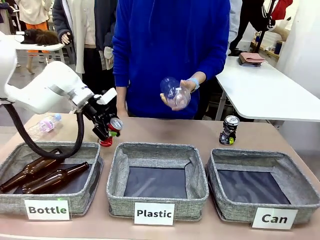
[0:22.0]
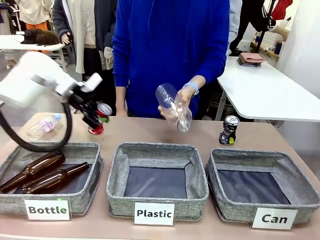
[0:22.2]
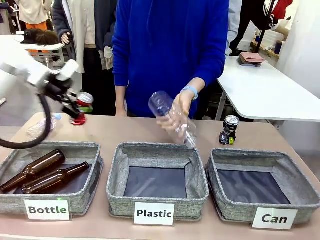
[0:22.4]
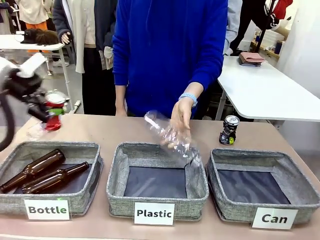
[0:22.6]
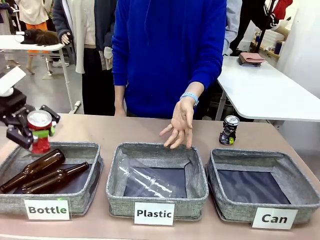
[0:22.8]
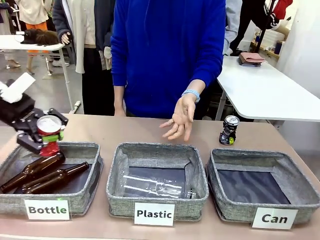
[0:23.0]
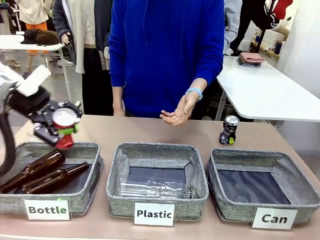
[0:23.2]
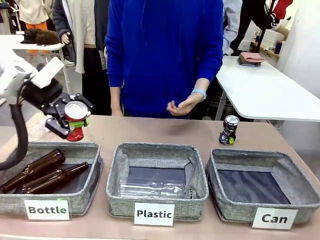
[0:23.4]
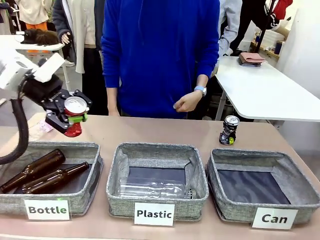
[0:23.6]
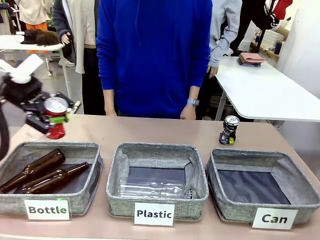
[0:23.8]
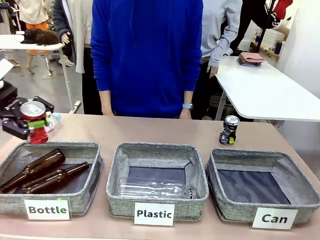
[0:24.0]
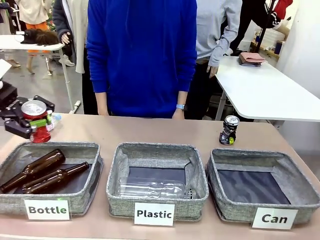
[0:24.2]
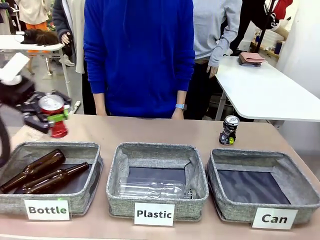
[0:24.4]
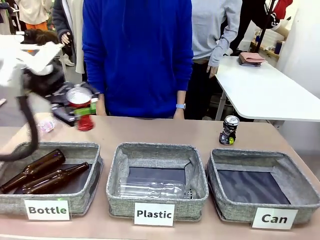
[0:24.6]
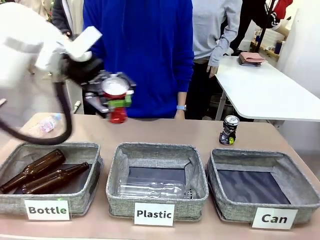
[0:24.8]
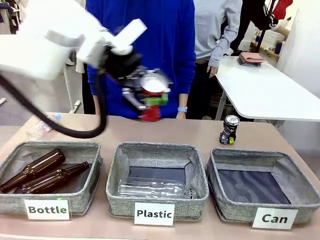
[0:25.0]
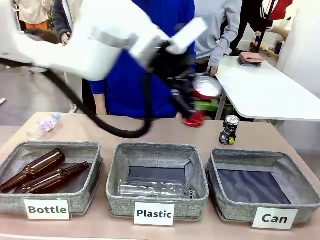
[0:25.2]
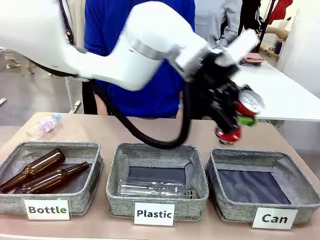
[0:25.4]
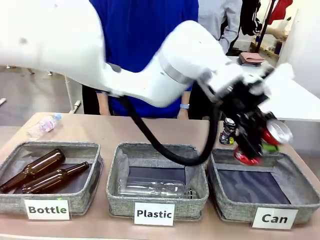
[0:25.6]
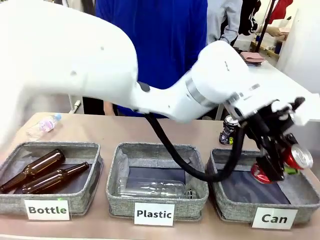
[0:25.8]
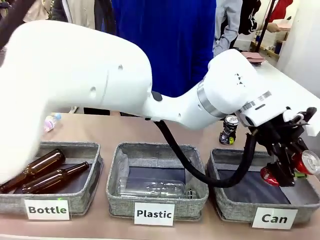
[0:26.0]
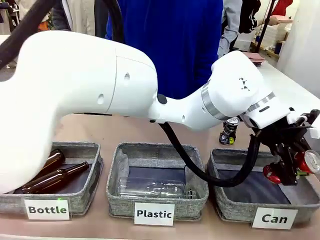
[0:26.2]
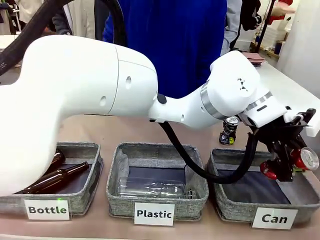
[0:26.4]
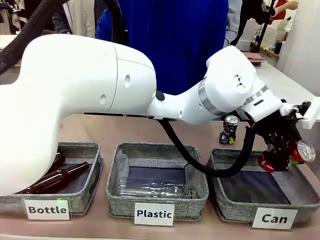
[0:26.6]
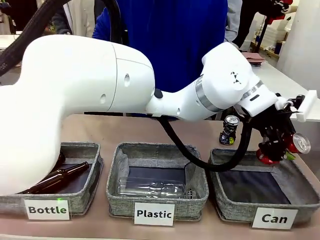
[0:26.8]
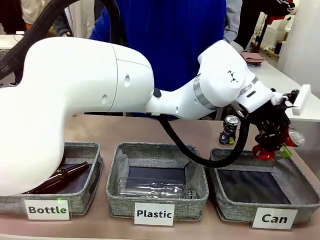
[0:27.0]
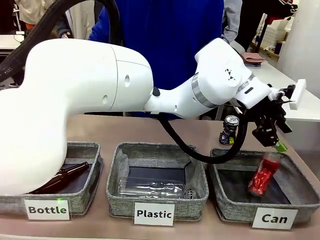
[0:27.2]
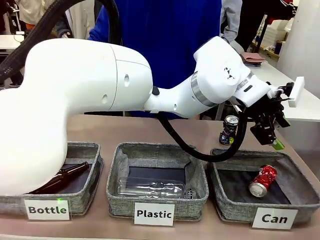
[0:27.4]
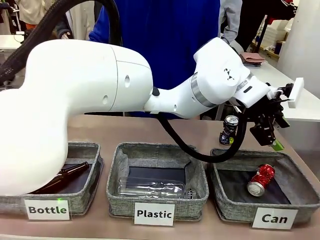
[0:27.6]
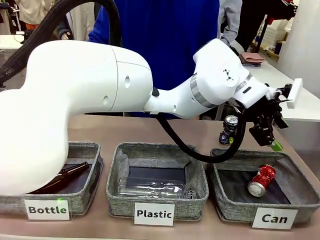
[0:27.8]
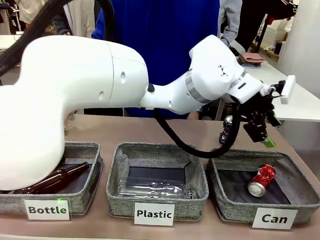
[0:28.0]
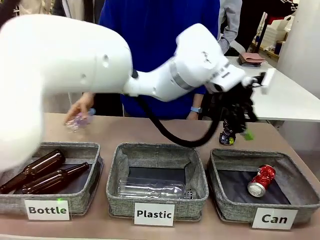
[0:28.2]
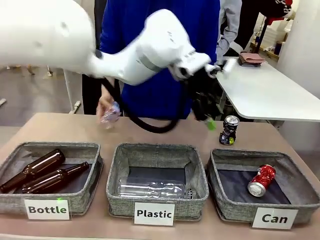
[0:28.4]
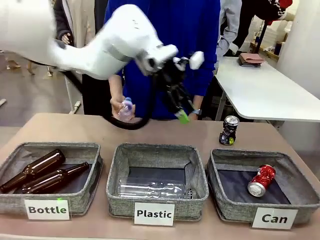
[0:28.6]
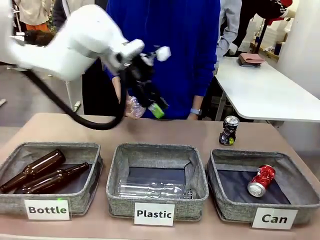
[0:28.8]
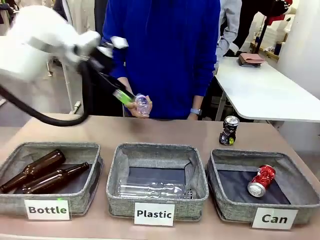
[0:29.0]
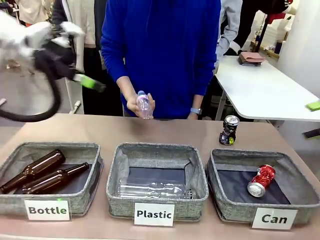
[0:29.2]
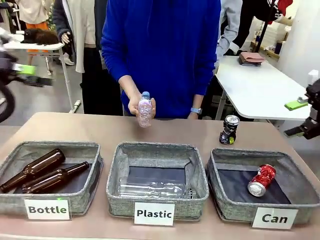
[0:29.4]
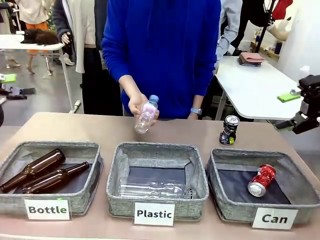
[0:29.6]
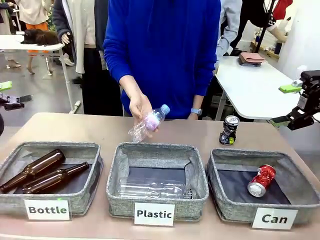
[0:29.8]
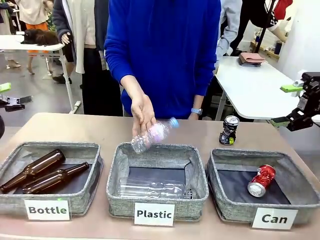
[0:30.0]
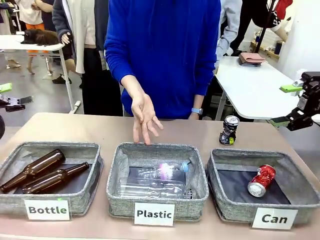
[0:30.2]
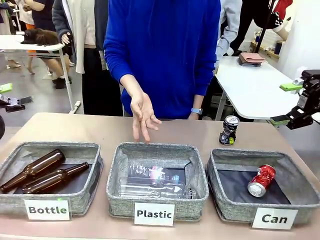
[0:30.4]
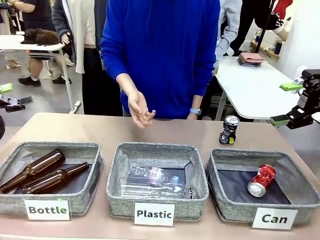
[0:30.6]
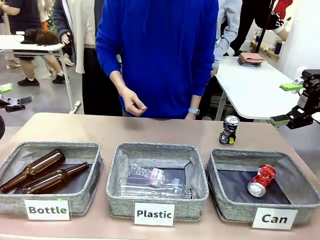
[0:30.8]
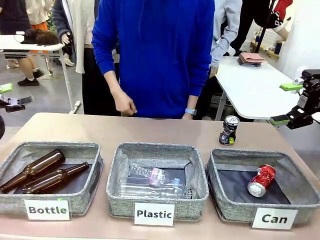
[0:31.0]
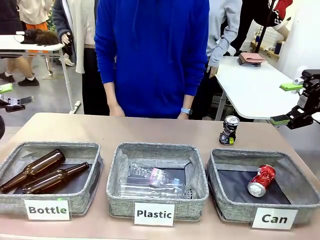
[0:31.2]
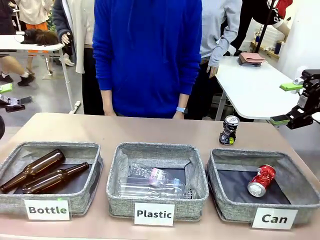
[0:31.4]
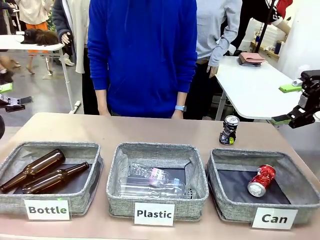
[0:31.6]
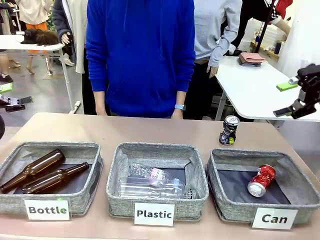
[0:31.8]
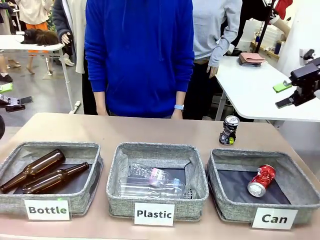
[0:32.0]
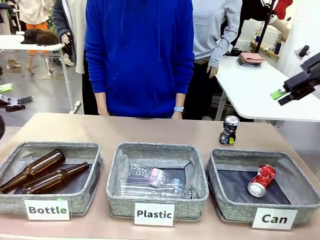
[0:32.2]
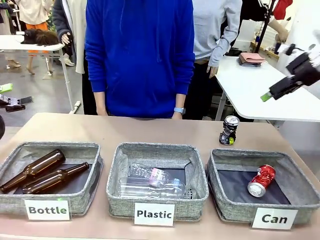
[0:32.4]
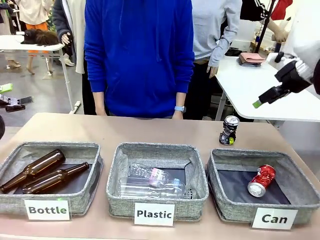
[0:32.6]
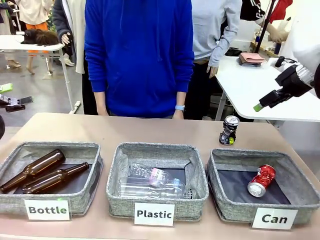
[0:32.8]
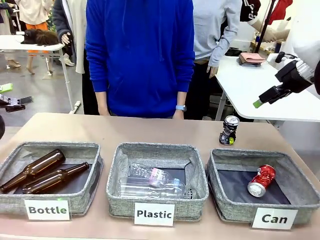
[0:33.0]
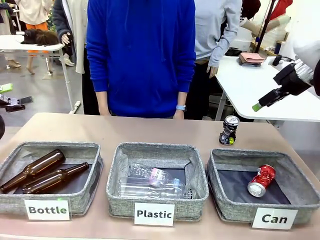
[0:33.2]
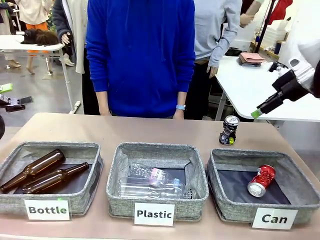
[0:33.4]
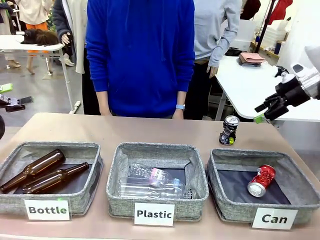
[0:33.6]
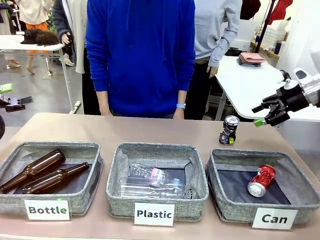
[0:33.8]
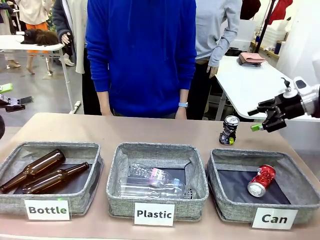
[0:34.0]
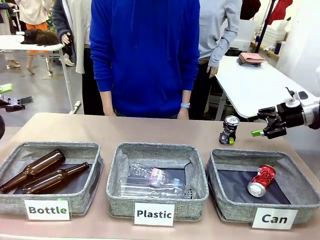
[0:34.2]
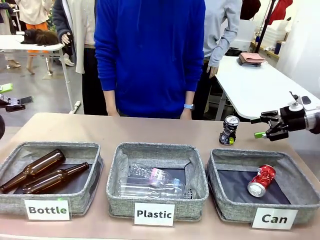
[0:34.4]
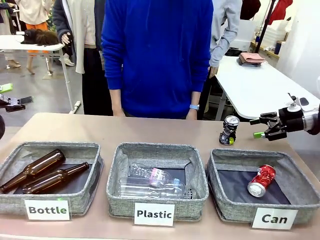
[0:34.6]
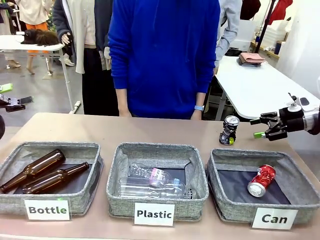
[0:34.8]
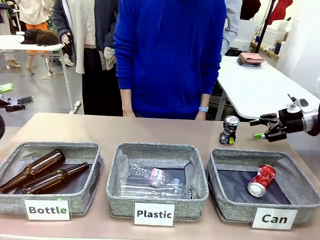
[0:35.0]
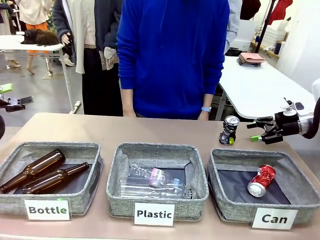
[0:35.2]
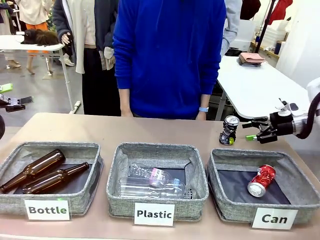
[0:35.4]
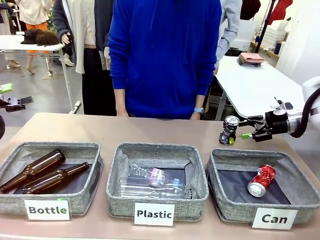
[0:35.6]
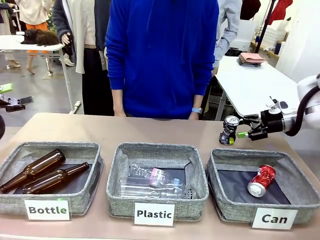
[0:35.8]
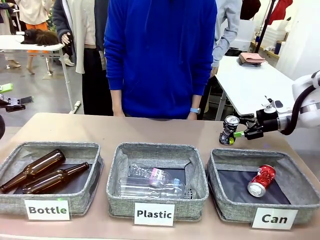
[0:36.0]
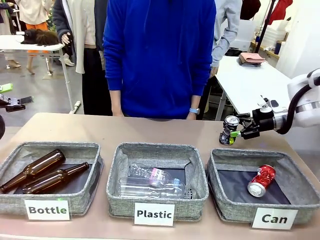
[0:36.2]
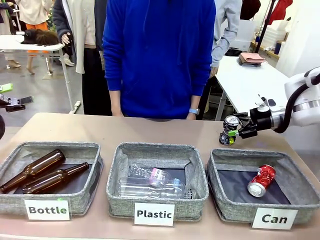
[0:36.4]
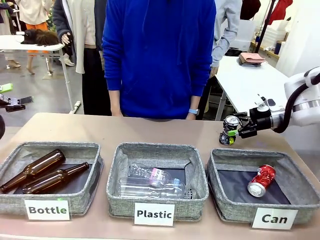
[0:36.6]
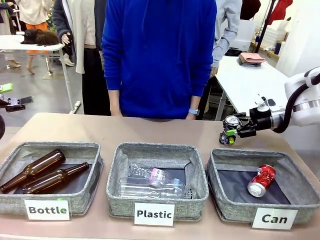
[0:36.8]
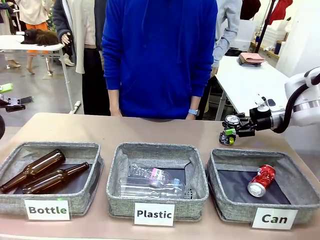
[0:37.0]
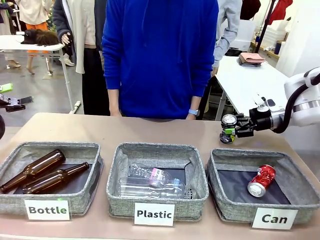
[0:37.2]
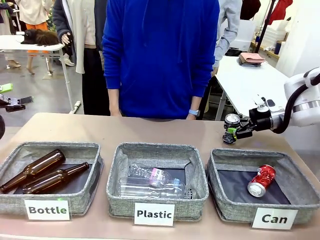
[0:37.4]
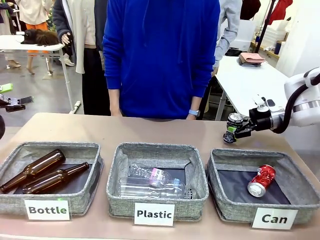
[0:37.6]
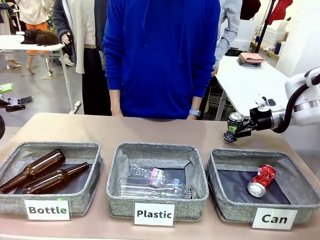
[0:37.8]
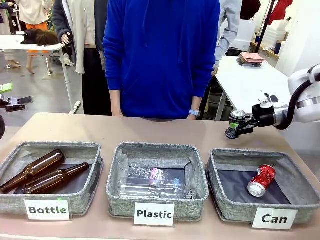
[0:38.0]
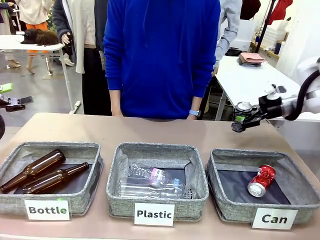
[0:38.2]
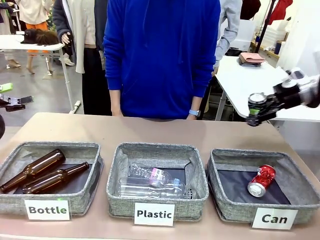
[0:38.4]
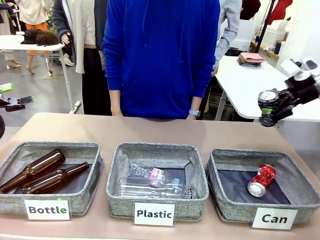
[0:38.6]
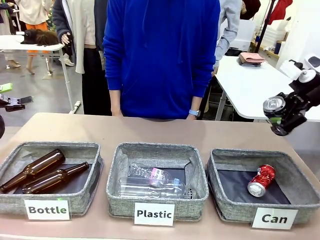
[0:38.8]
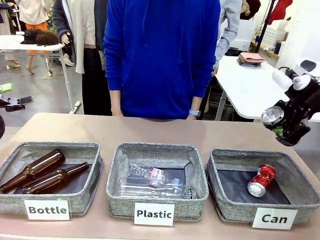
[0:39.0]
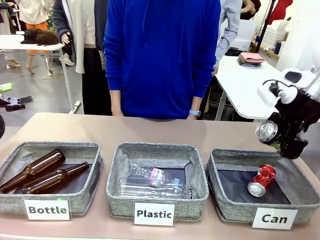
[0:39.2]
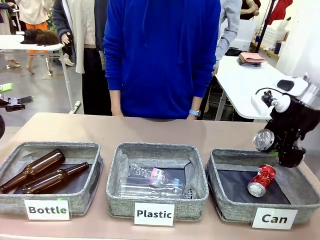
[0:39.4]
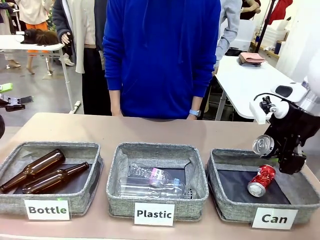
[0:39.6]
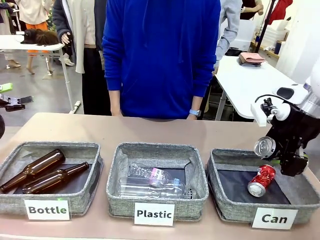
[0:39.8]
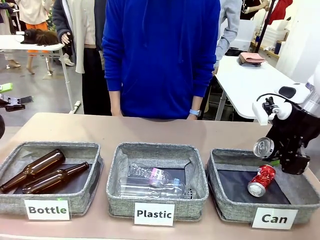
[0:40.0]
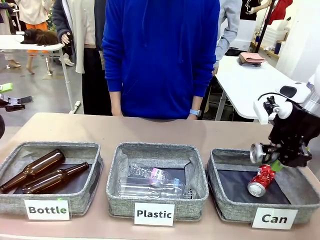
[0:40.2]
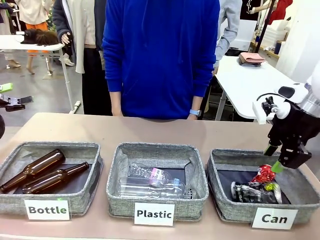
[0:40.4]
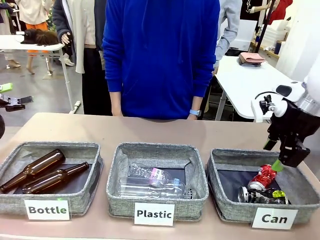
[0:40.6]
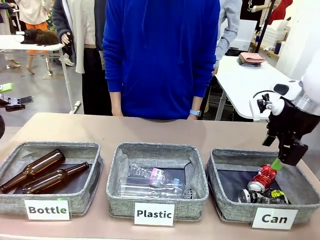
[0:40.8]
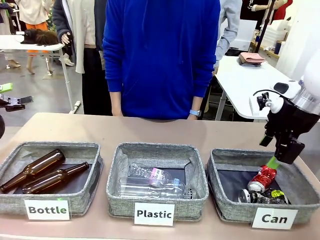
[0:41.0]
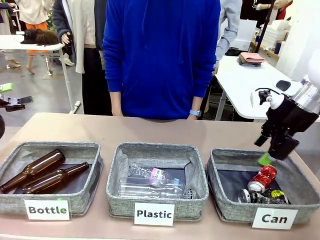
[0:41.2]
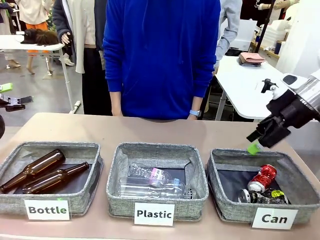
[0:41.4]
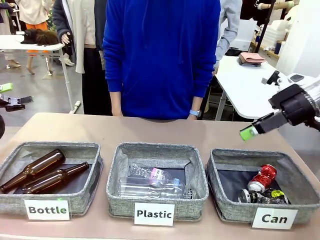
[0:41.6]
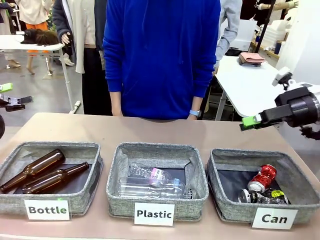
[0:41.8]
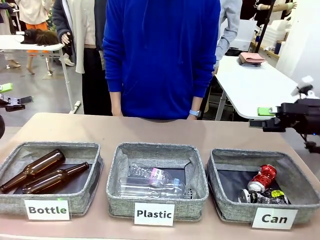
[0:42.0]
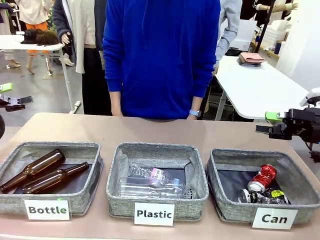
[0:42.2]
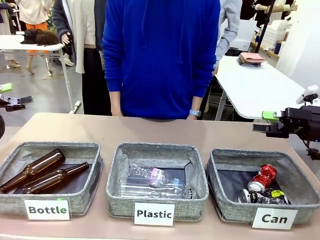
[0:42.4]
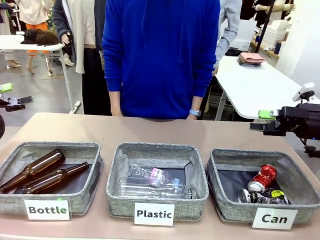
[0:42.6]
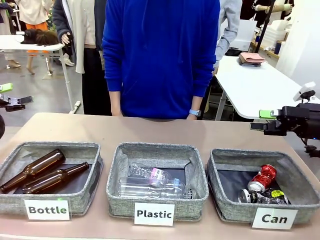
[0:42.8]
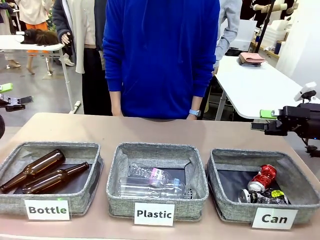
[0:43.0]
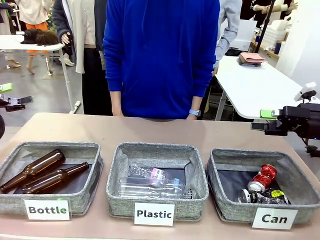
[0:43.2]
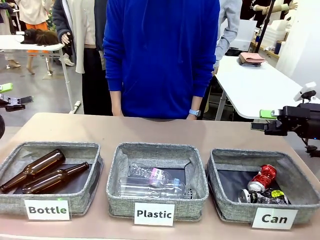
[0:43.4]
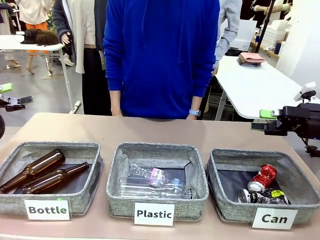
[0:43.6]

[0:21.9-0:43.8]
Task: Sort the can waste into the basket.
Robot: Pick up the can waste from the table and place it in the right Fabric basket.
